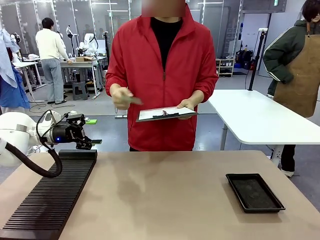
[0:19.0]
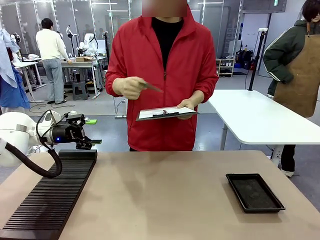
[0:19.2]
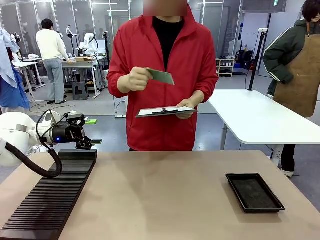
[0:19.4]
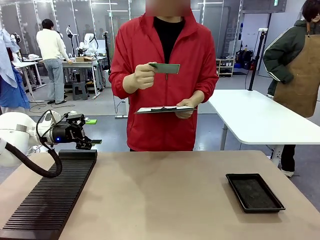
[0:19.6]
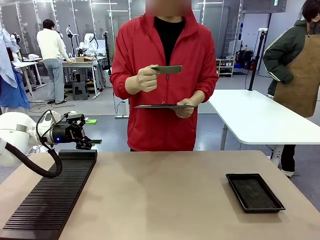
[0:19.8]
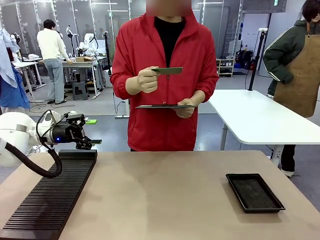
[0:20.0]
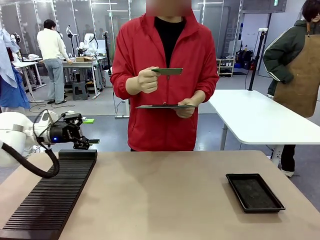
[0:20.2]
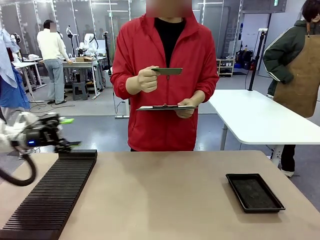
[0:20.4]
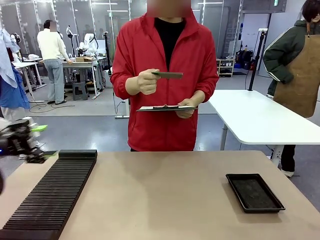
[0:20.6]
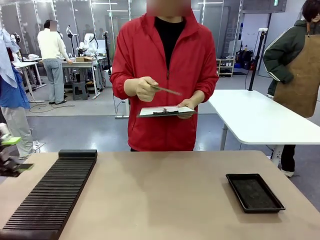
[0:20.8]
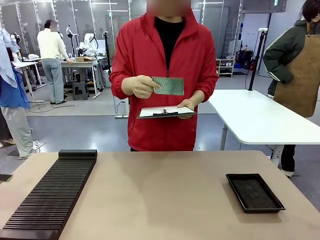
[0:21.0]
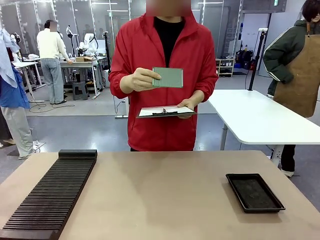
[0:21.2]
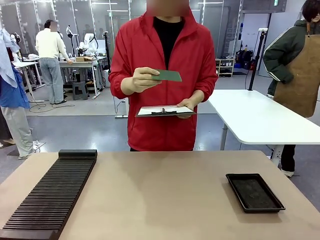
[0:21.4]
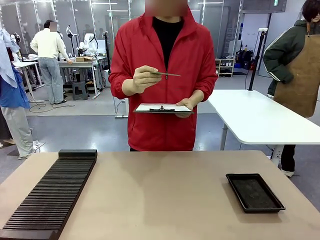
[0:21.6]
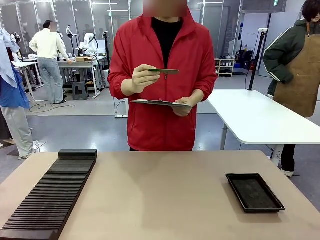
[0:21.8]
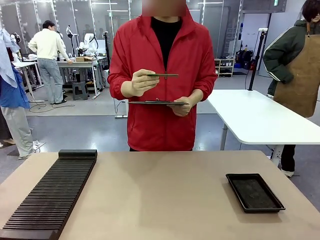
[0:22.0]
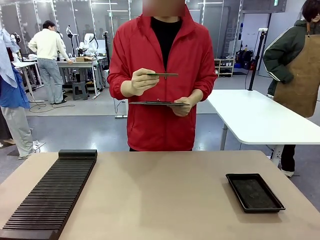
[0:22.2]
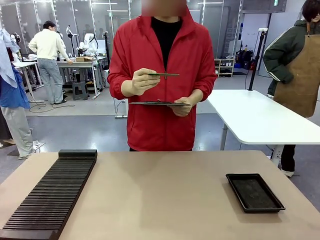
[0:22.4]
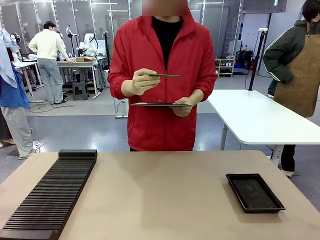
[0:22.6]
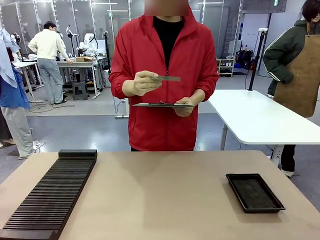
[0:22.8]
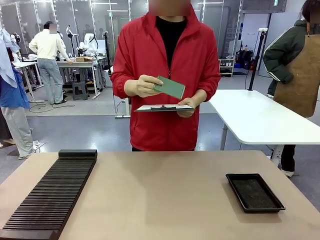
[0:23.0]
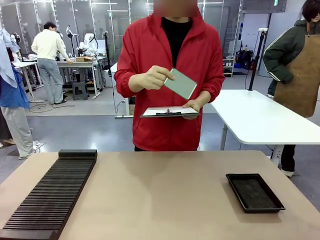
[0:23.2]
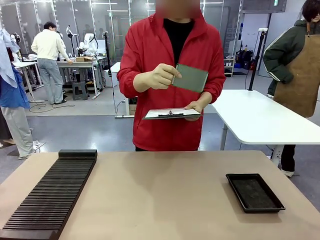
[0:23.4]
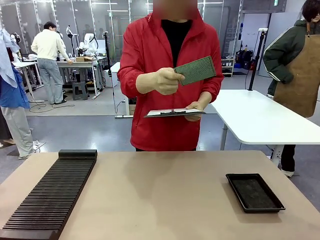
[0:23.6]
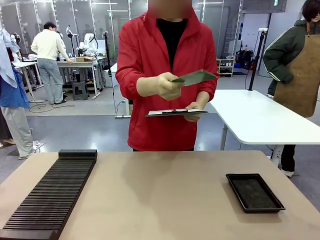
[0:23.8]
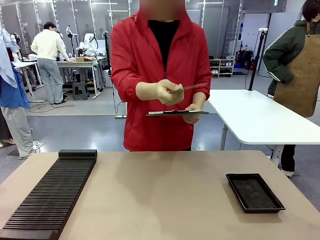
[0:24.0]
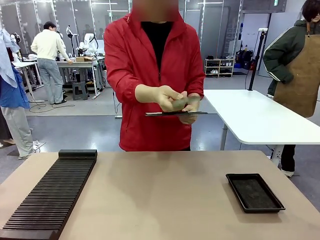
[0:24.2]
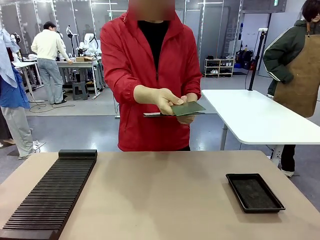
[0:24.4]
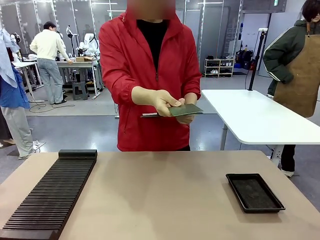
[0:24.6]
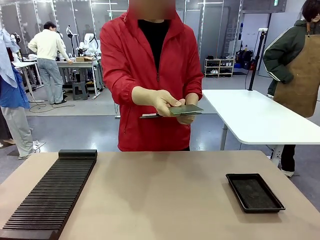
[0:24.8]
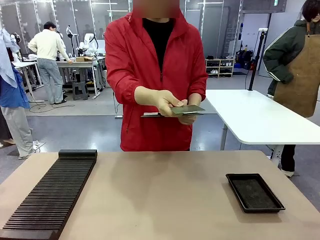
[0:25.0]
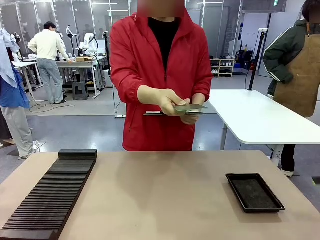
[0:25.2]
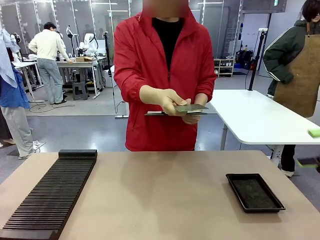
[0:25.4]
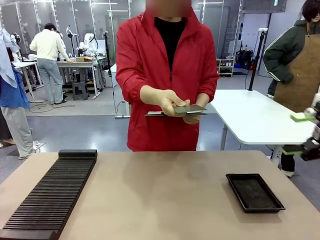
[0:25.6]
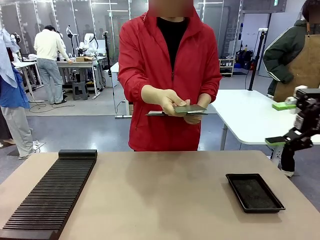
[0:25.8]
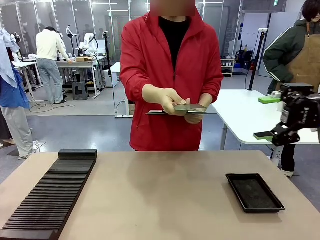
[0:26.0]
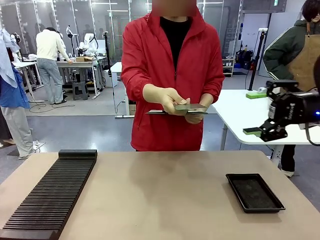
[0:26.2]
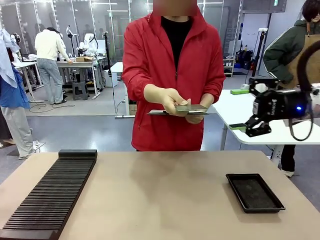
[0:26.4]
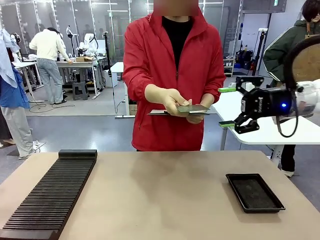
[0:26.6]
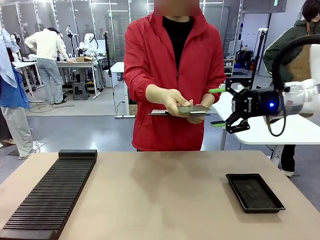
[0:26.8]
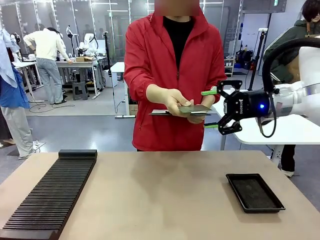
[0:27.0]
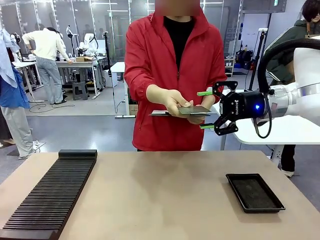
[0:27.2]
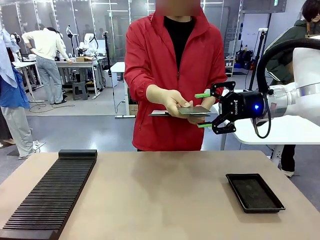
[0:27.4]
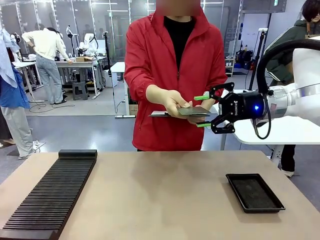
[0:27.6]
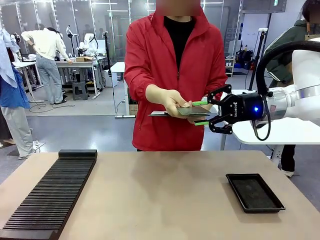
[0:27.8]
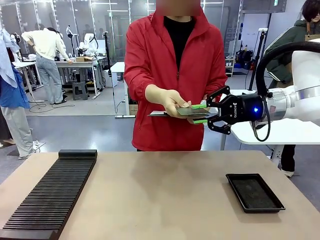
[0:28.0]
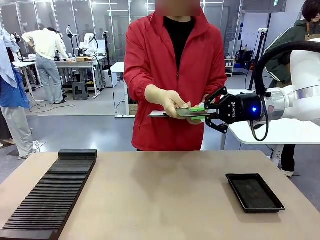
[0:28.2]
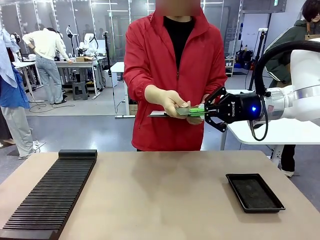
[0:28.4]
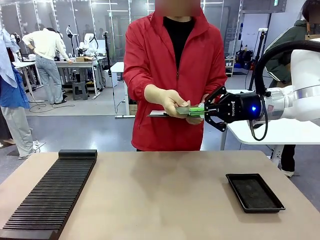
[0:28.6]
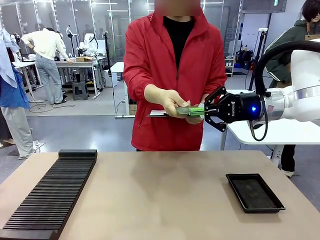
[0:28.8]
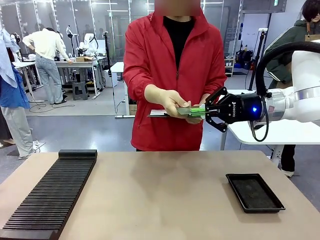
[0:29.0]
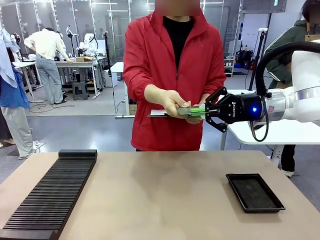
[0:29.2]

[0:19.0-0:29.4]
Task: Inspect the PCB.
Robot: Pick up the Blank PCB that the human is holding.
Person: Inspect the PCB placed by the robot, then hold it out in front of the robot. Release the PCB you were holding.

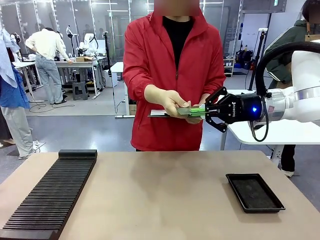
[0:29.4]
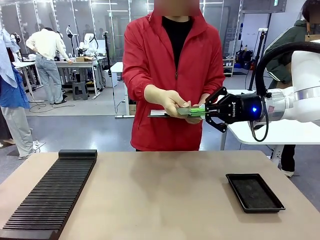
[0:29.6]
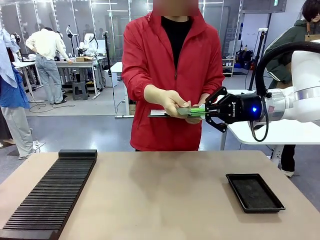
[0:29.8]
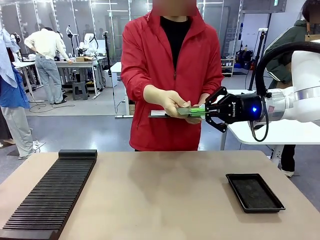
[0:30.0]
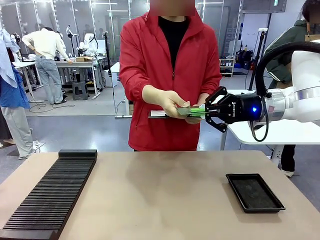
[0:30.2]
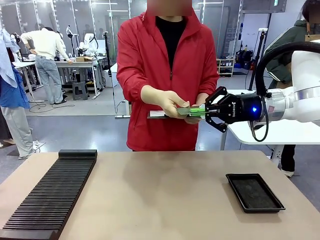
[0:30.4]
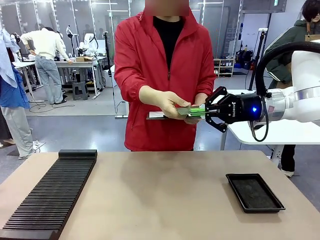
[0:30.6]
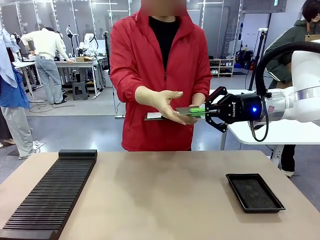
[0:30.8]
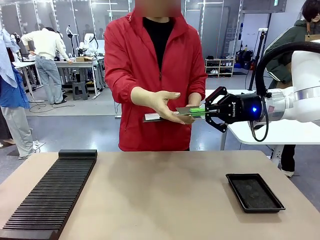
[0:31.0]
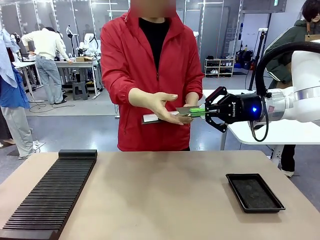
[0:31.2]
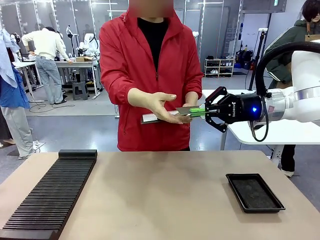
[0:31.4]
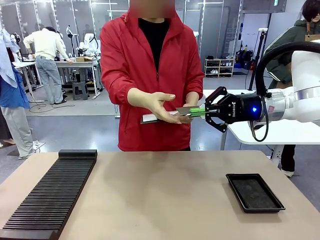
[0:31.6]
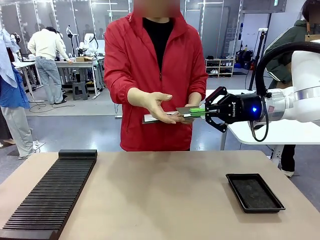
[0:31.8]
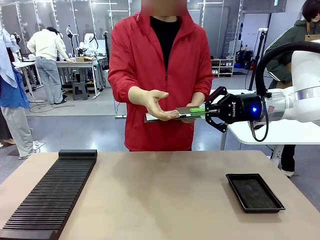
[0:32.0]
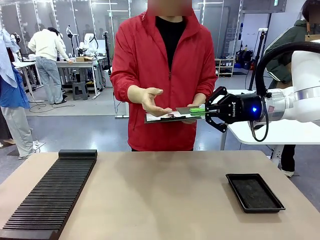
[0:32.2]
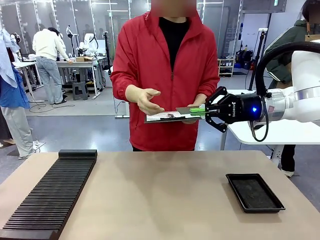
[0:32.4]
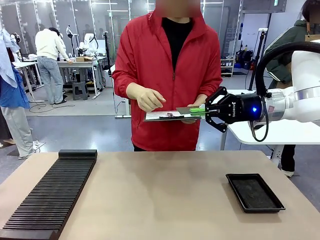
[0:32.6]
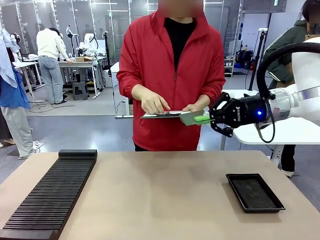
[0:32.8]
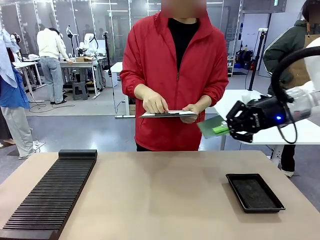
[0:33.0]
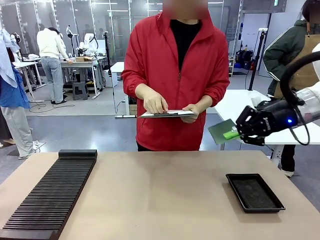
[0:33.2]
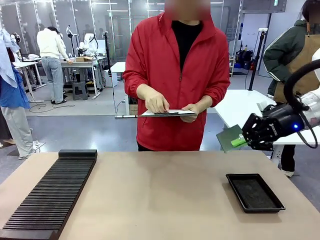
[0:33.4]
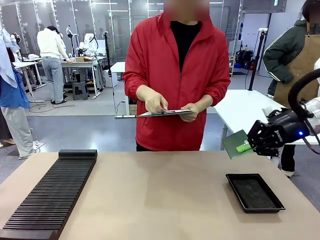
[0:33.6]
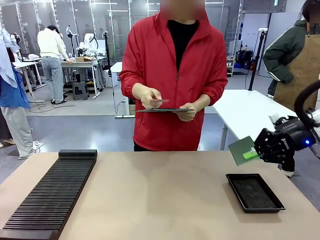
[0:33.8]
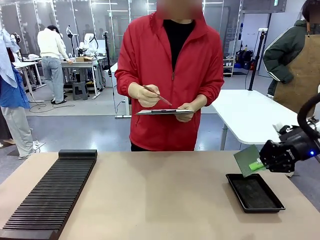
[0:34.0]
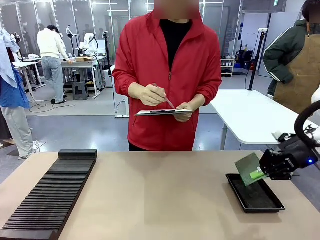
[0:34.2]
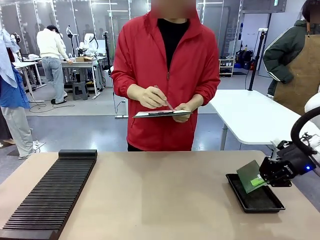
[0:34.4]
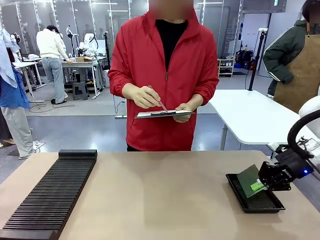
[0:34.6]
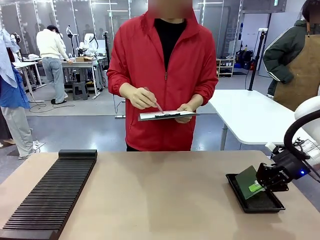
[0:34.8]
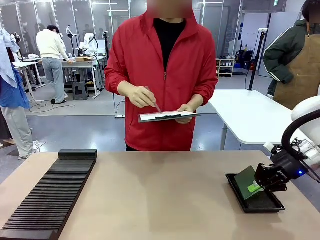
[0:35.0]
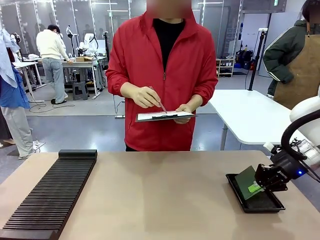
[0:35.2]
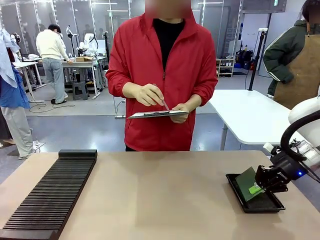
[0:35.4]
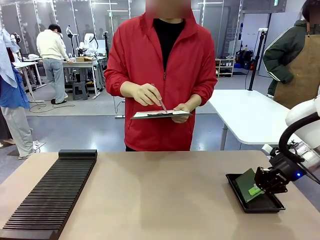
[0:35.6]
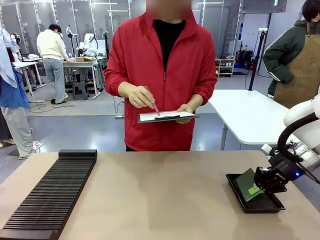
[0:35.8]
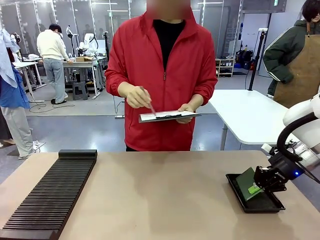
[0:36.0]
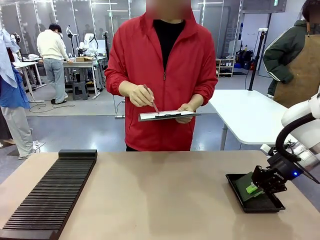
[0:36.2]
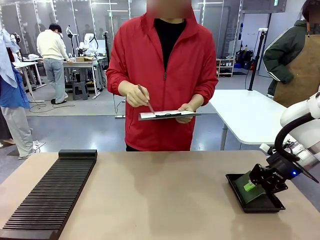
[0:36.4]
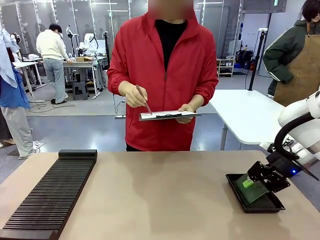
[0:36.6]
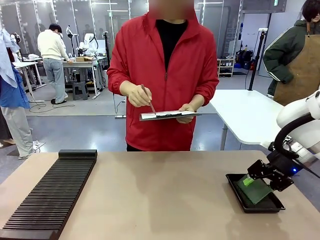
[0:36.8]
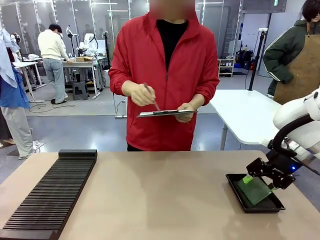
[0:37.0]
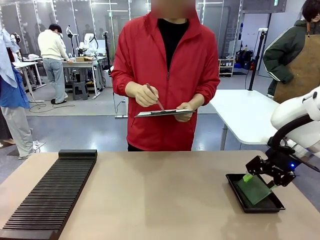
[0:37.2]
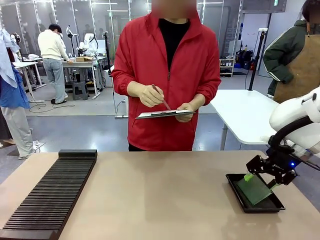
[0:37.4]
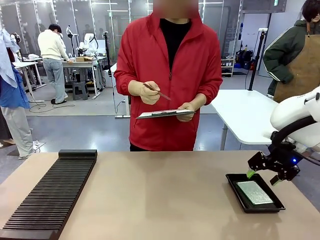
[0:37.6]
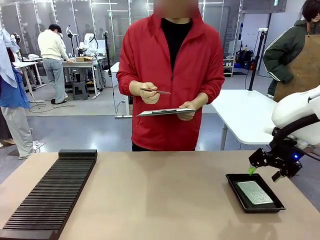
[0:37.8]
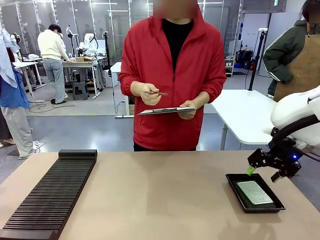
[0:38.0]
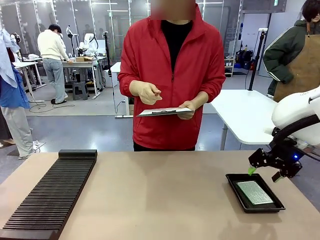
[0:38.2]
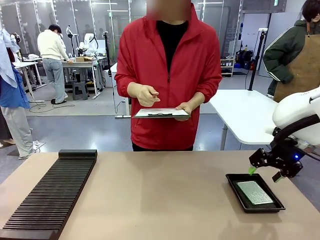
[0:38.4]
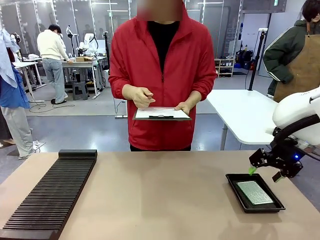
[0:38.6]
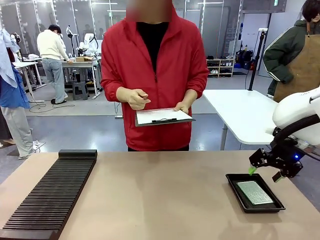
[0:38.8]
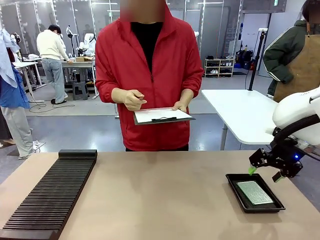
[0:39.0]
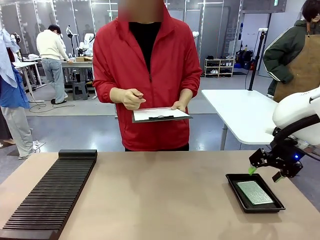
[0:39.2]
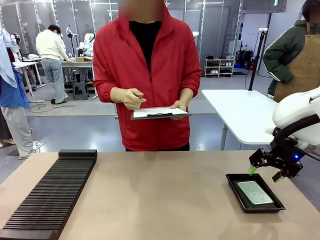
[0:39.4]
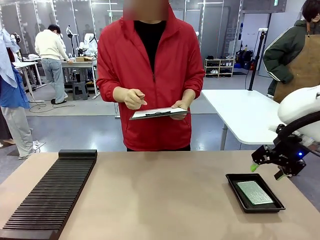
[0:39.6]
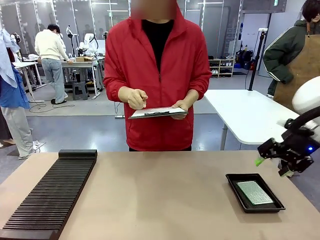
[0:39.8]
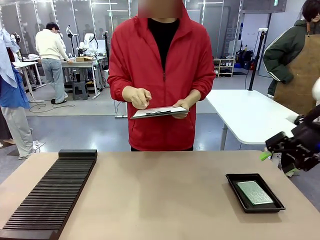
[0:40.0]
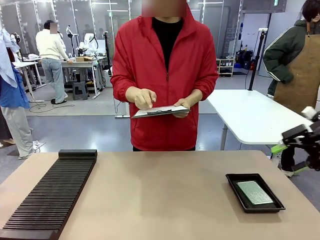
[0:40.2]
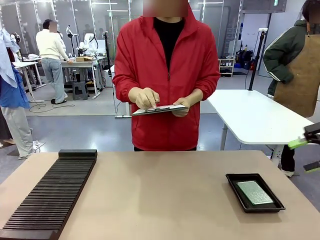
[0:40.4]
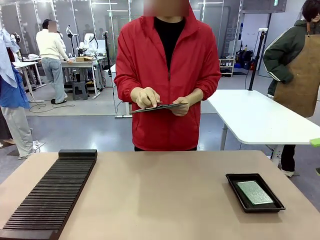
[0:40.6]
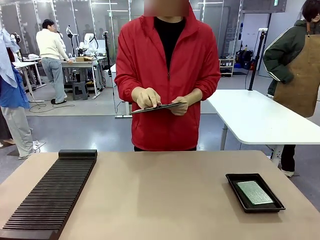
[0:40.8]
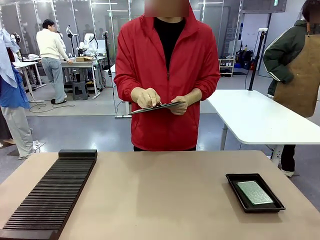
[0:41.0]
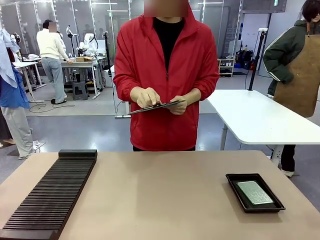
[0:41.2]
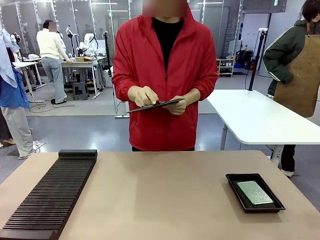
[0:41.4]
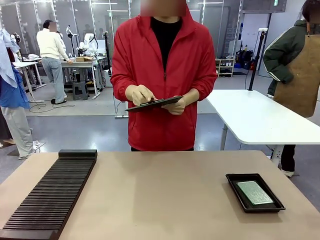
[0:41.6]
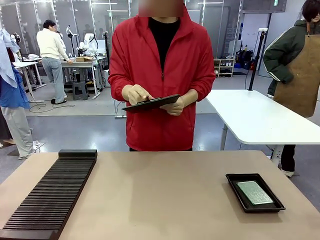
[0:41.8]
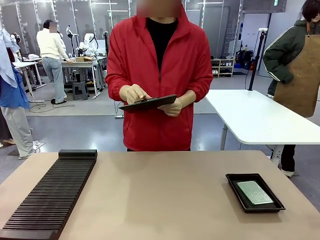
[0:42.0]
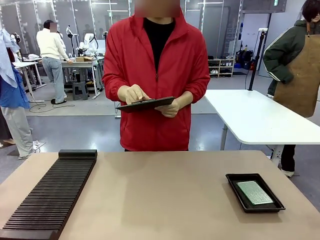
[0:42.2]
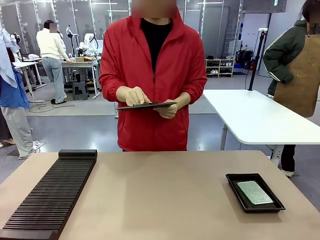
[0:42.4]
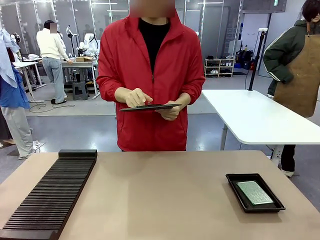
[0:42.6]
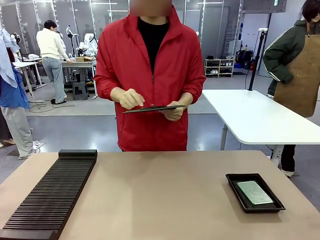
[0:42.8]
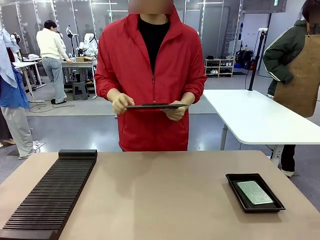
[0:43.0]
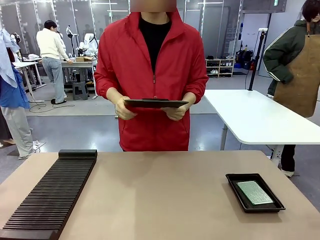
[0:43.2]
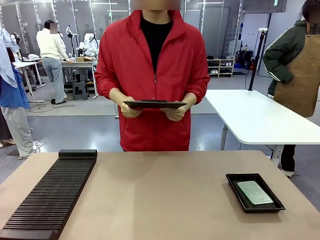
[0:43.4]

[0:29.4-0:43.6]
Robot: Place the Blank PCB in the ESD tray.
Person: Record the PCB status on the paper.
